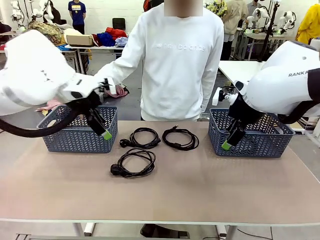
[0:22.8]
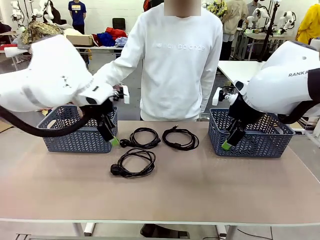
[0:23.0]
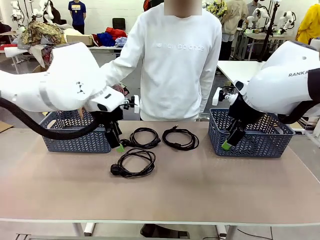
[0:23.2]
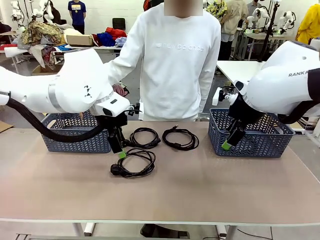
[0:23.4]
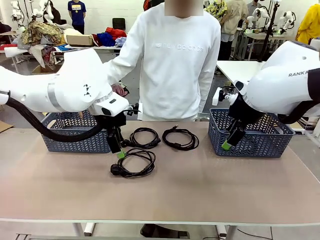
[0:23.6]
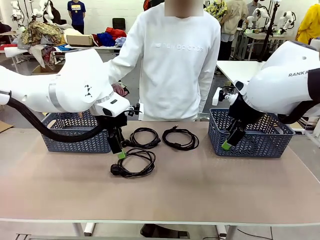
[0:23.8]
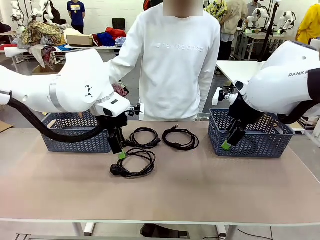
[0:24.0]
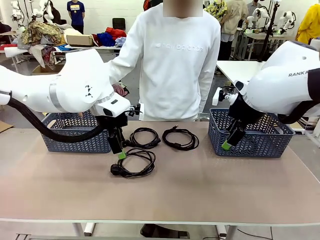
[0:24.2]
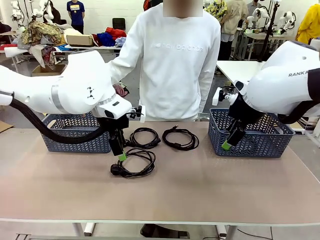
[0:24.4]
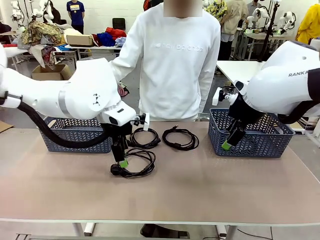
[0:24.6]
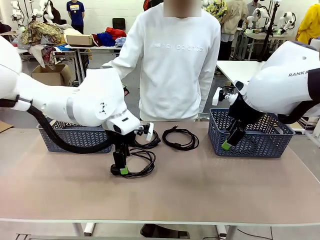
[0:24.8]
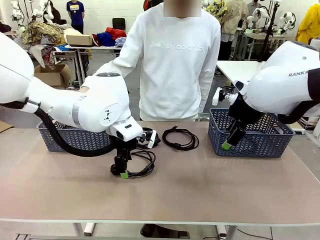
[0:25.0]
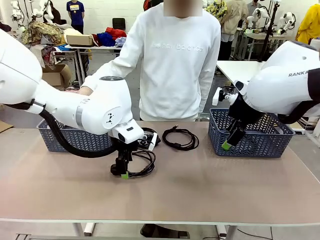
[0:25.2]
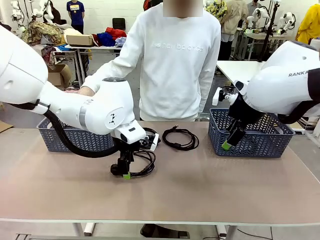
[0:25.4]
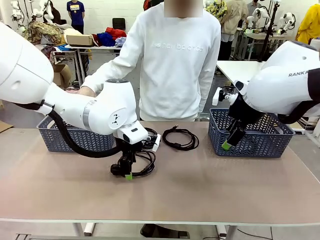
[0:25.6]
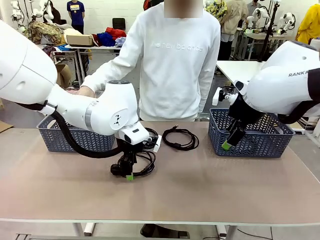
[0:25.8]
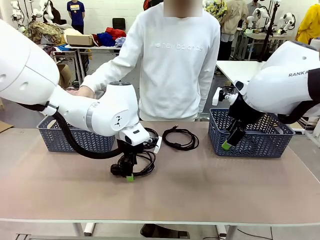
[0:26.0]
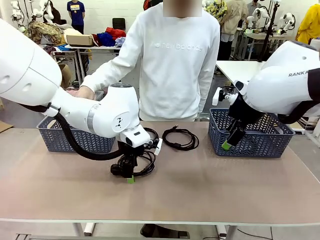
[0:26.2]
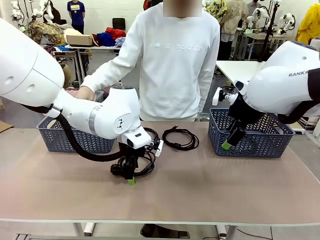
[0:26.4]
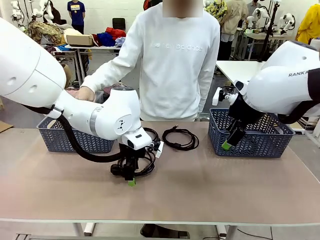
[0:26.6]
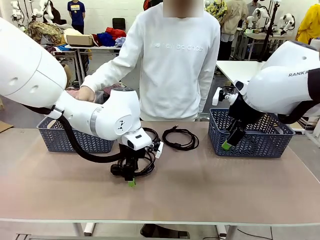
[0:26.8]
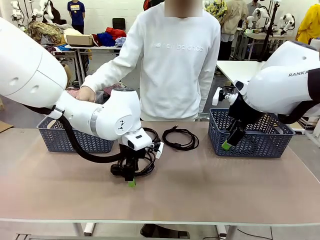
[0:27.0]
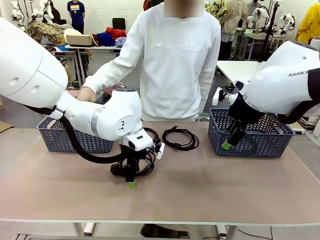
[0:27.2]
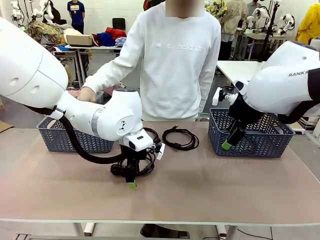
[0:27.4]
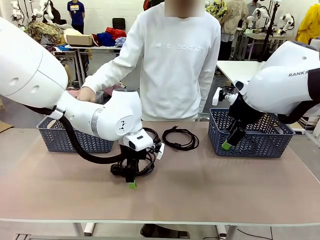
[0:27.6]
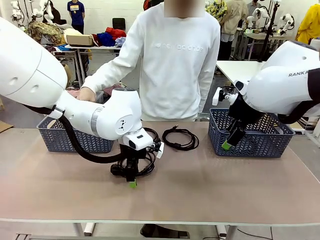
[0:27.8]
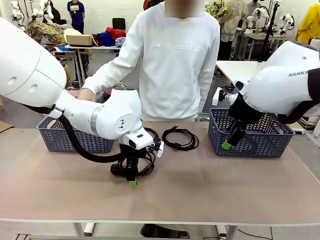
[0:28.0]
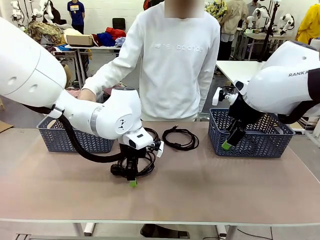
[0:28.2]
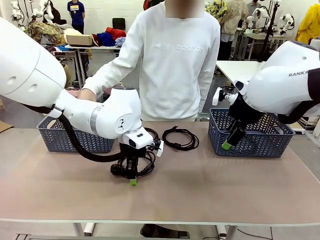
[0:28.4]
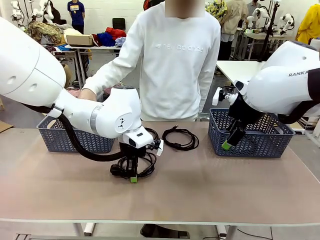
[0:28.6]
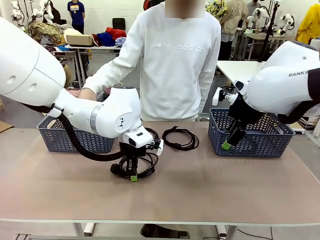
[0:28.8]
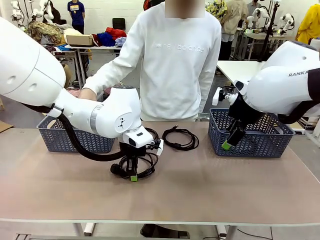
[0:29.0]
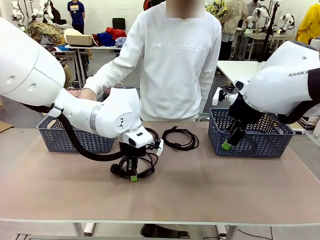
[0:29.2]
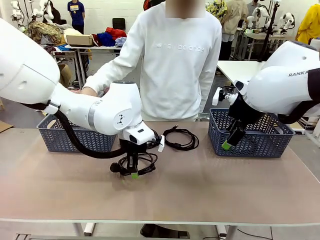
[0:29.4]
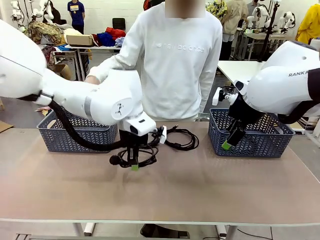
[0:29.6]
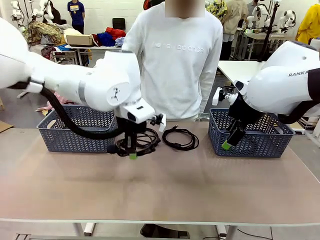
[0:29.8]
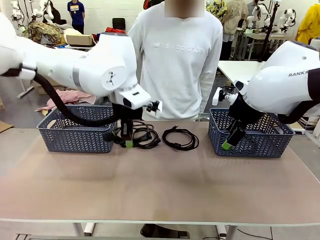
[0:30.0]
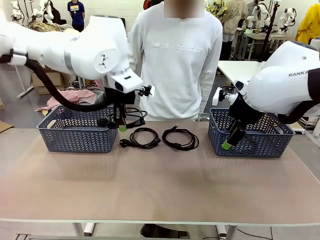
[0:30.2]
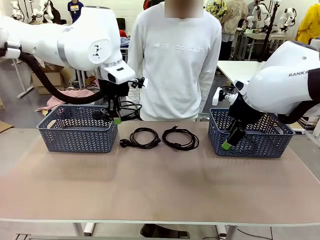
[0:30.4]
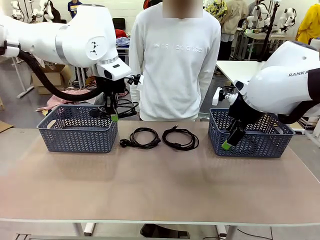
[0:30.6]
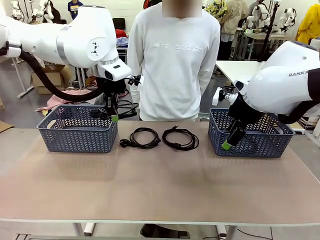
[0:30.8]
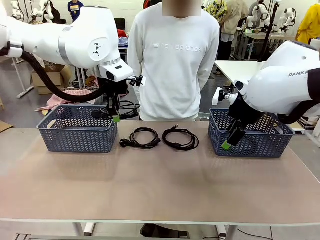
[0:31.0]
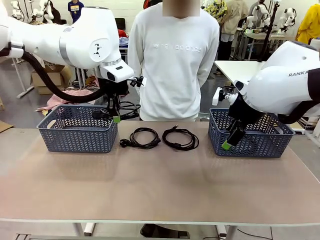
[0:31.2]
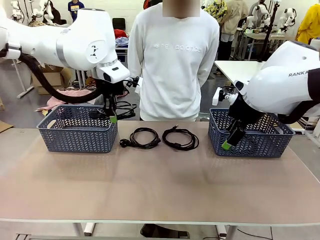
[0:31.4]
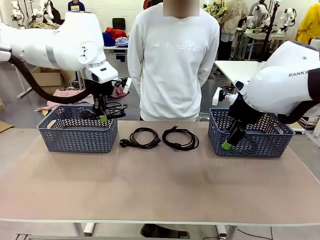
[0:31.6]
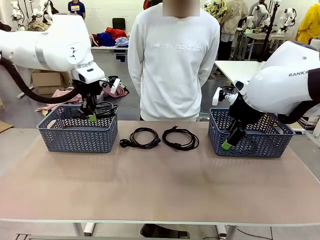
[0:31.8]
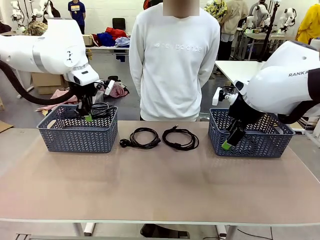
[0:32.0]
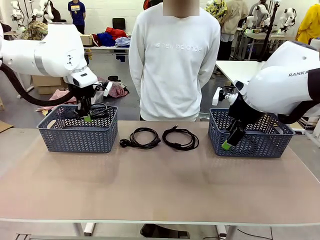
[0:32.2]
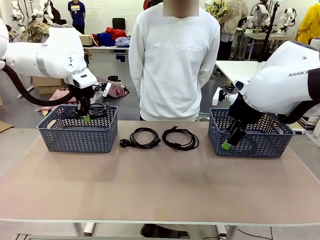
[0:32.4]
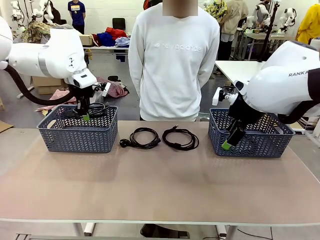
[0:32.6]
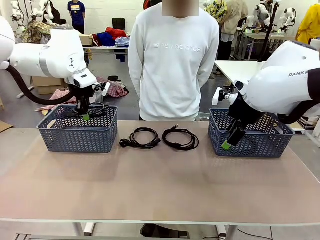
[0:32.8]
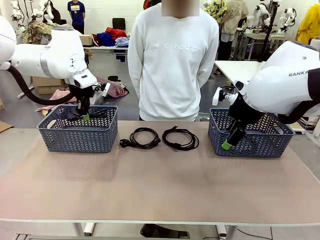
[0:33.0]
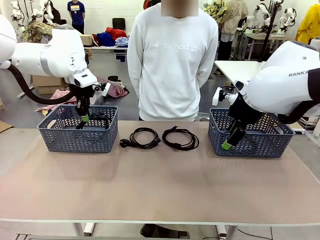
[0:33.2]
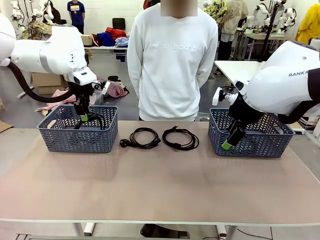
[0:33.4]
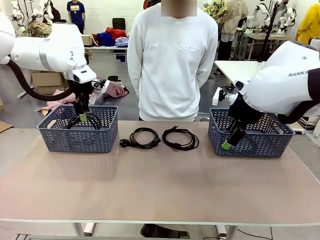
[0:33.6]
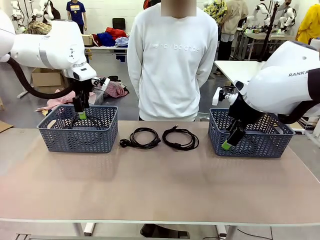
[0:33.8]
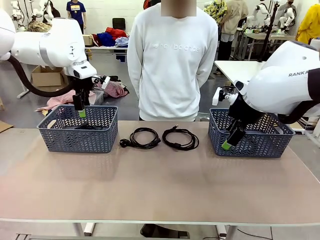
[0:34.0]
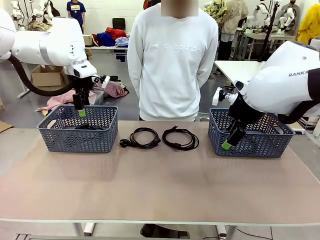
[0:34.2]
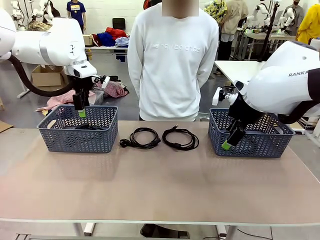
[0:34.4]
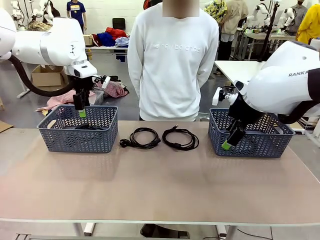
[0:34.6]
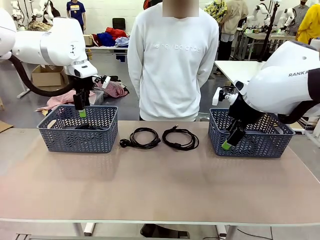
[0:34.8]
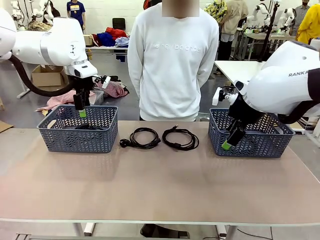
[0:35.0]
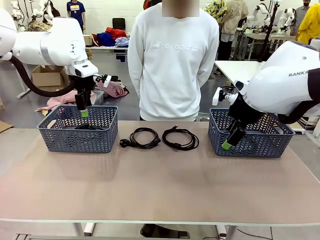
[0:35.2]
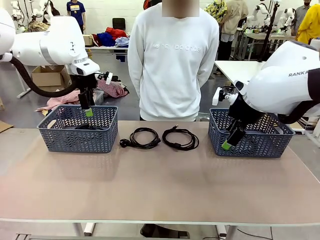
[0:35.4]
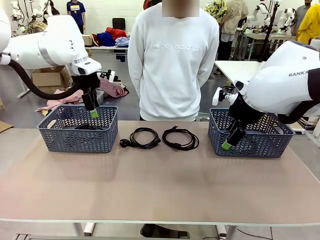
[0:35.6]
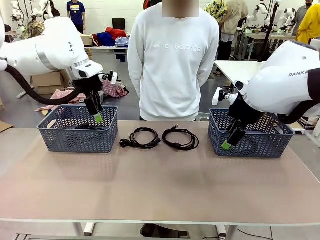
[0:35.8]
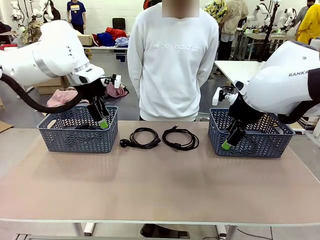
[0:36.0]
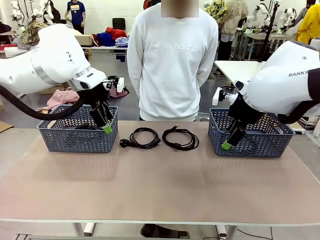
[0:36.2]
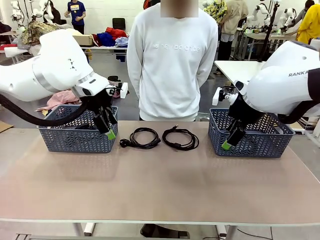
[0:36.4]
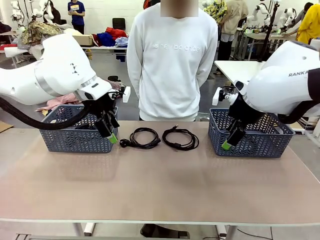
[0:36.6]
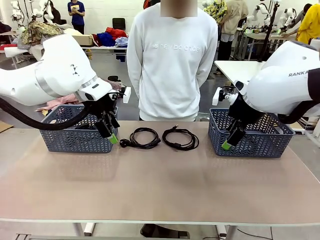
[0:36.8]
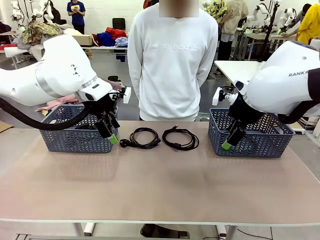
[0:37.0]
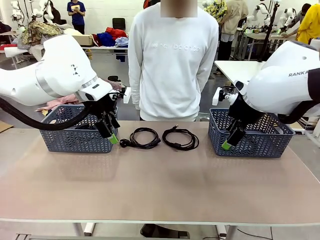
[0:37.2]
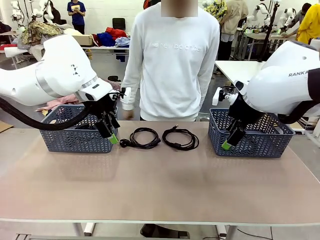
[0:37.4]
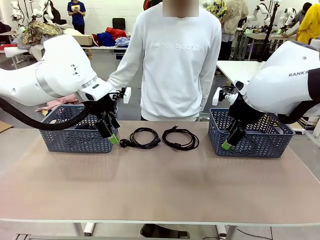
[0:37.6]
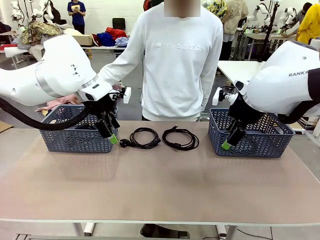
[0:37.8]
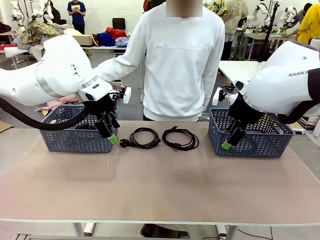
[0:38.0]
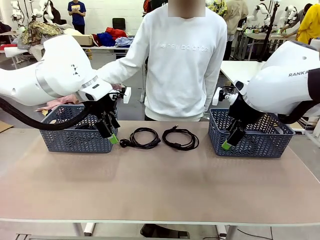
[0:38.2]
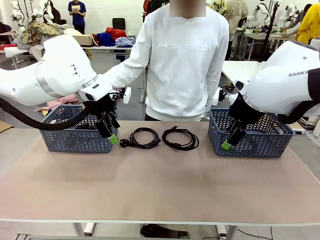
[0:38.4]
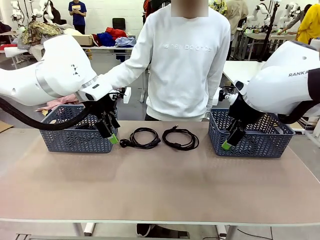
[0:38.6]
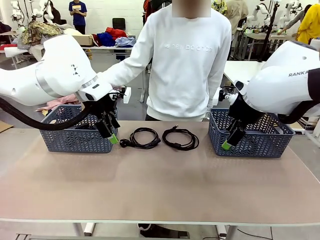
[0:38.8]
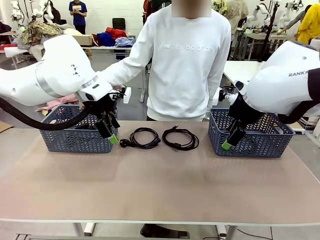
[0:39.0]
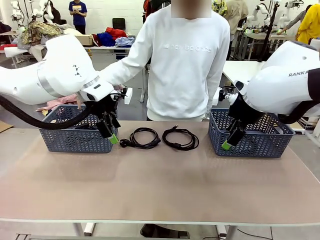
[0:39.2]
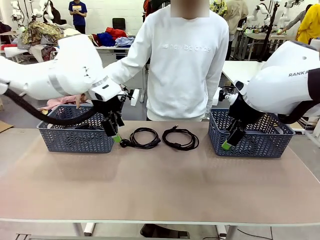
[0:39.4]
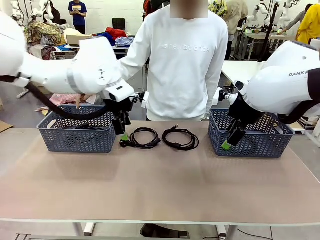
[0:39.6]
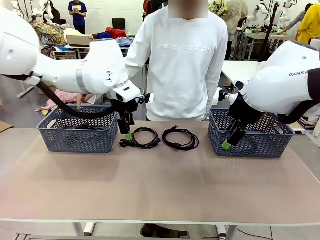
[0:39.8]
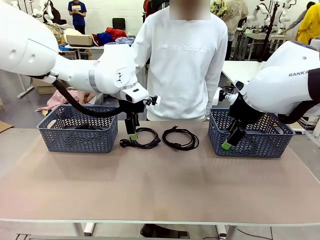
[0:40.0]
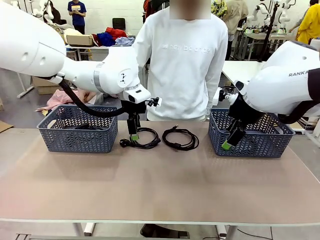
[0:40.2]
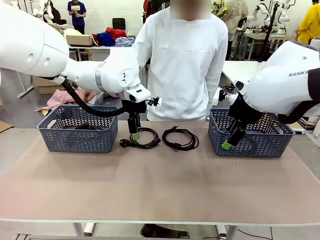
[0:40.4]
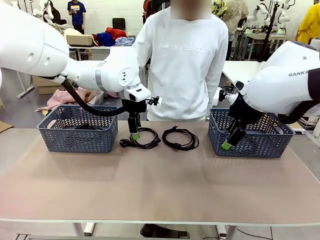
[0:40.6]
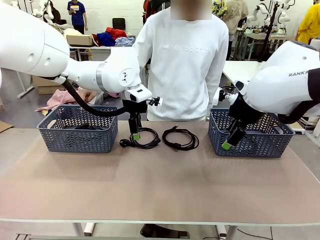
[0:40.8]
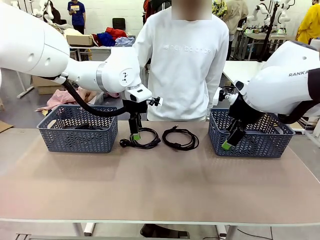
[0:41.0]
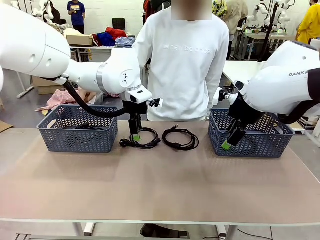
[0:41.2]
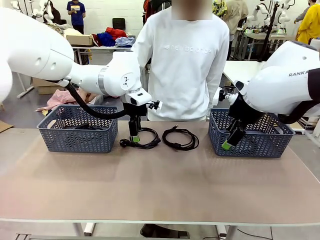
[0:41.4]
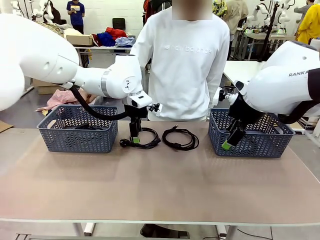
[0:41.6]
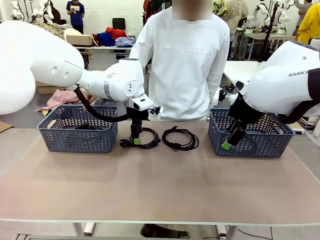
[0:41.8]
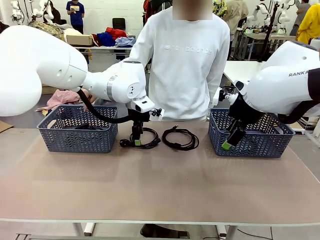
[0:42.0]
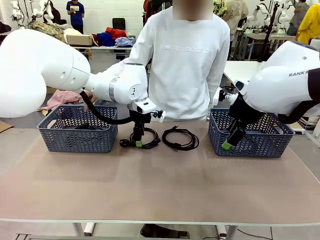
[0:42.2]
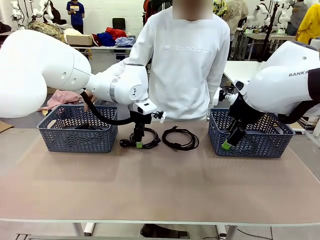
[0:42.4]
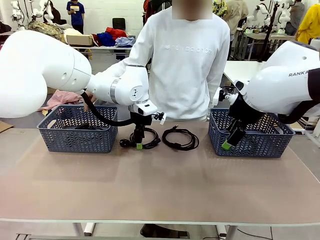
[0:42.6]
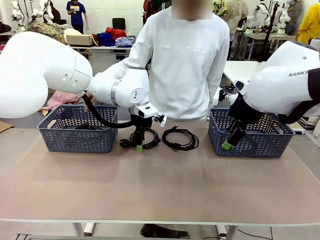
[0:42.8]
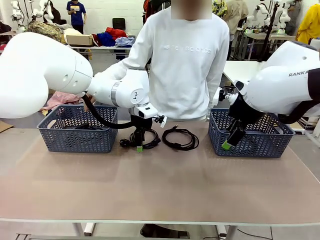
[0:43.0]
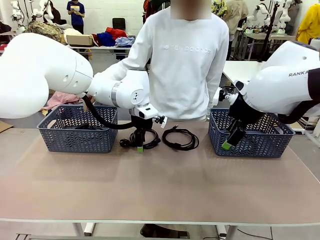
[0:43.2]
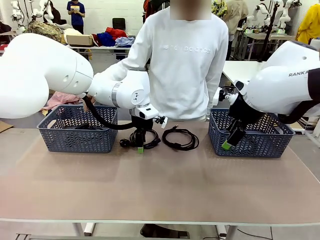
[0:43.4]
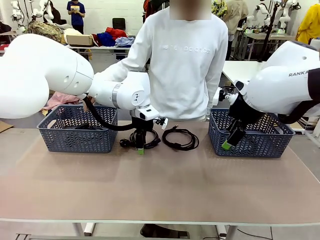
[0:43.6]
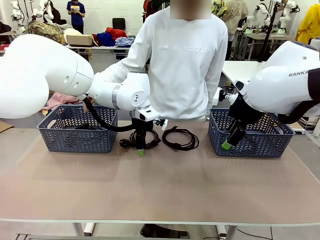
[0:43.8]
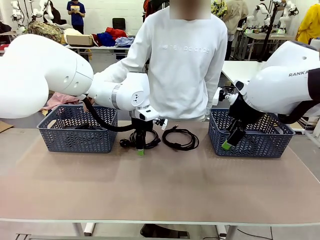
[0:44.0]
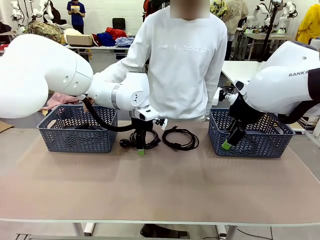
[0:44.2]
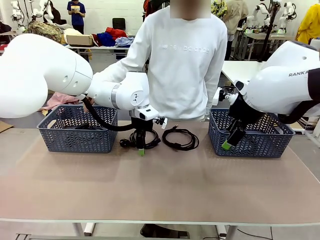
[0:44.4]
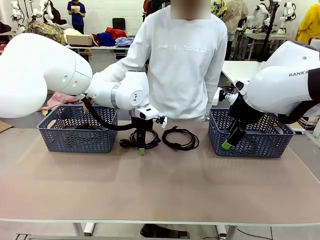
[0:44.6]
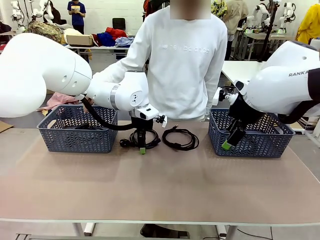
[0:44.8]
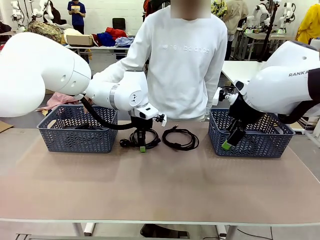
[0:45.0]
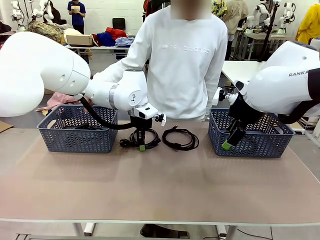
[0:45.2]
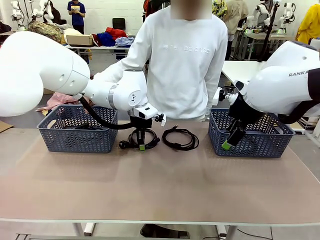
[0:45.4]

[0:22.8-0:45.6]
Task: Organize the cables according to human instructions.
Robot: Pick up a bundle of cables and place it in the basket indicated by the human.
